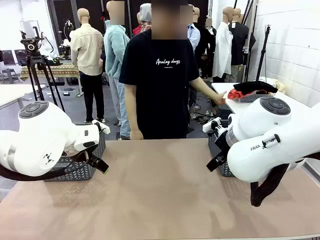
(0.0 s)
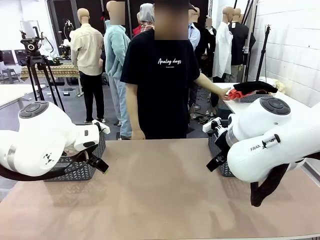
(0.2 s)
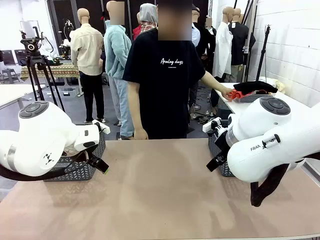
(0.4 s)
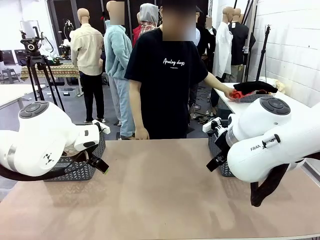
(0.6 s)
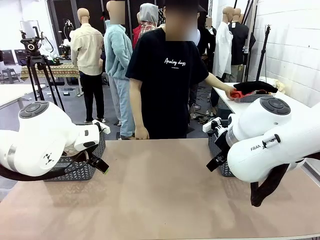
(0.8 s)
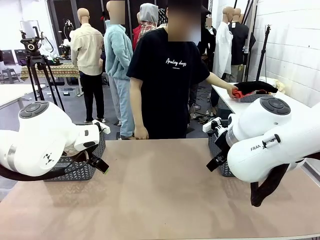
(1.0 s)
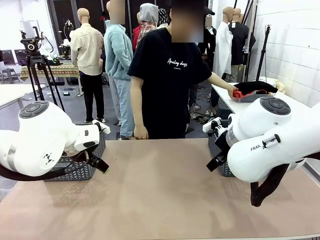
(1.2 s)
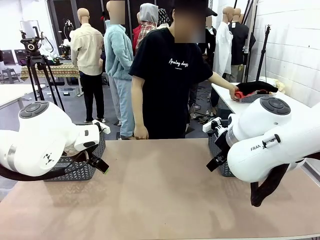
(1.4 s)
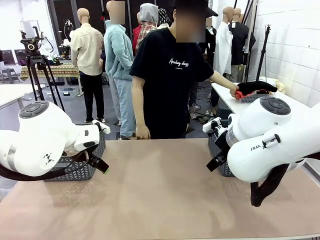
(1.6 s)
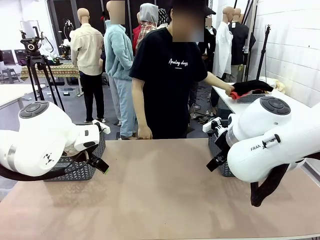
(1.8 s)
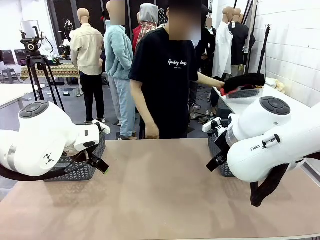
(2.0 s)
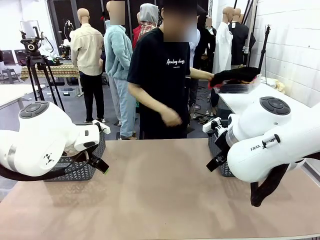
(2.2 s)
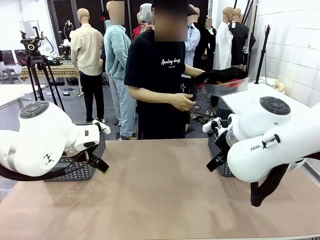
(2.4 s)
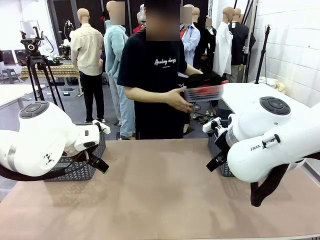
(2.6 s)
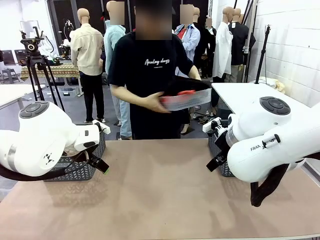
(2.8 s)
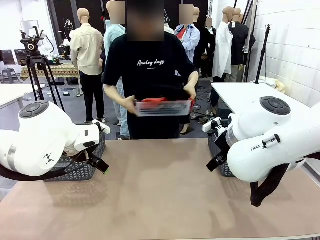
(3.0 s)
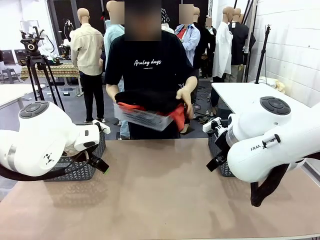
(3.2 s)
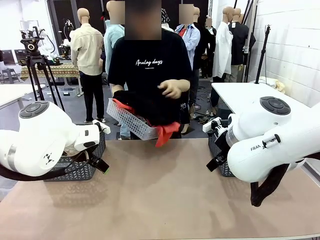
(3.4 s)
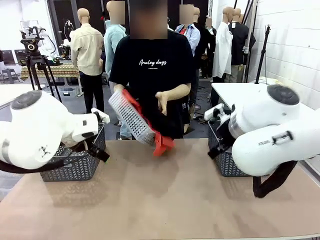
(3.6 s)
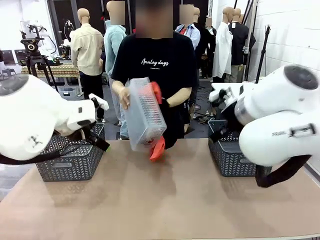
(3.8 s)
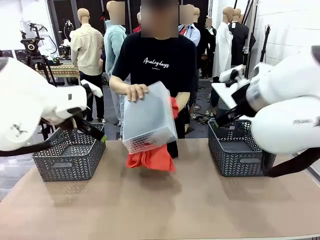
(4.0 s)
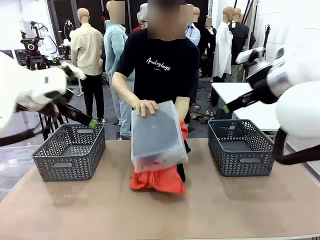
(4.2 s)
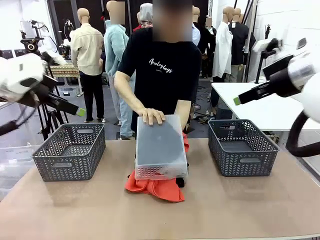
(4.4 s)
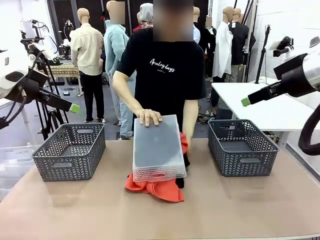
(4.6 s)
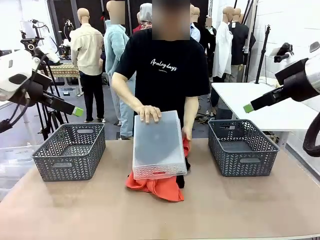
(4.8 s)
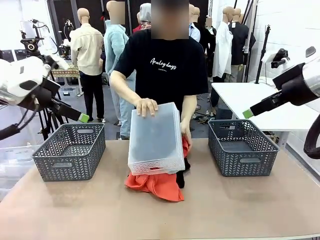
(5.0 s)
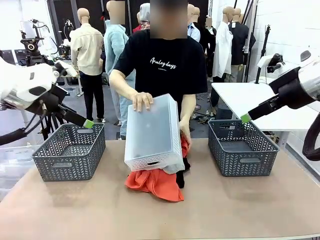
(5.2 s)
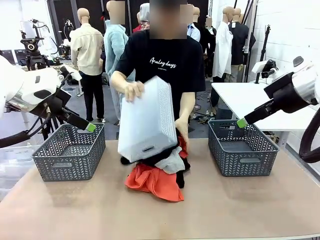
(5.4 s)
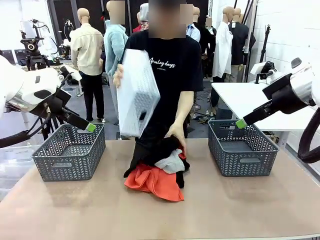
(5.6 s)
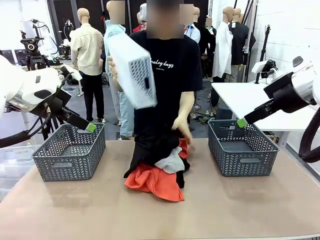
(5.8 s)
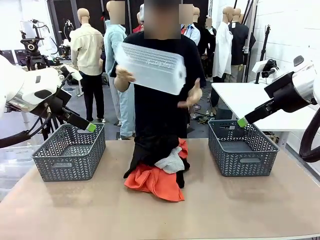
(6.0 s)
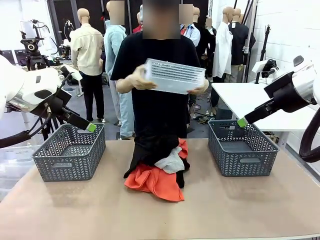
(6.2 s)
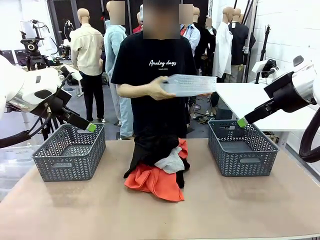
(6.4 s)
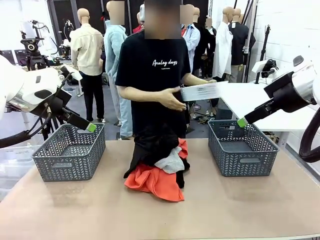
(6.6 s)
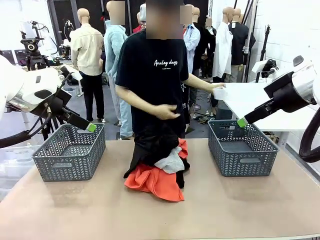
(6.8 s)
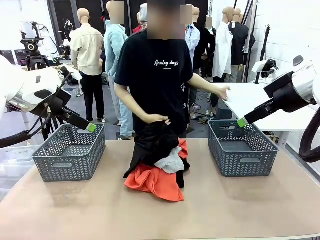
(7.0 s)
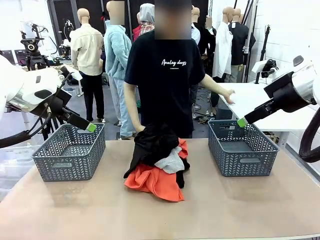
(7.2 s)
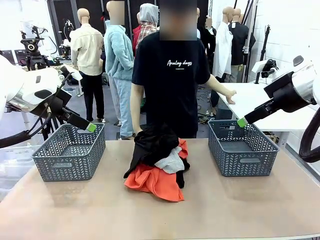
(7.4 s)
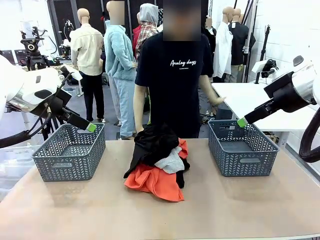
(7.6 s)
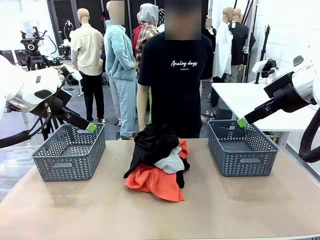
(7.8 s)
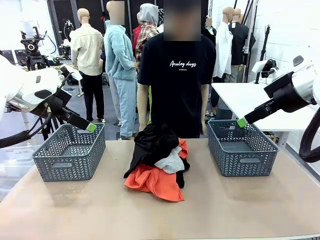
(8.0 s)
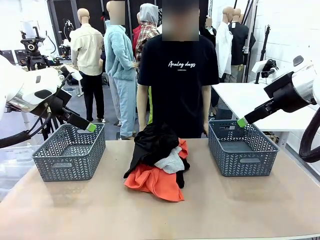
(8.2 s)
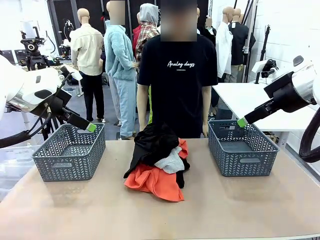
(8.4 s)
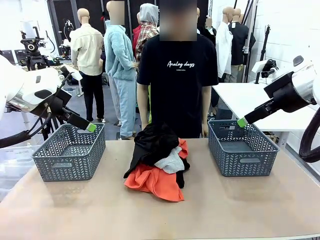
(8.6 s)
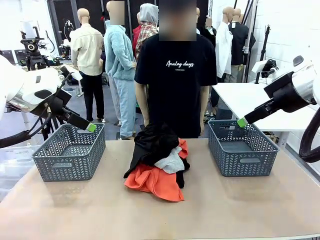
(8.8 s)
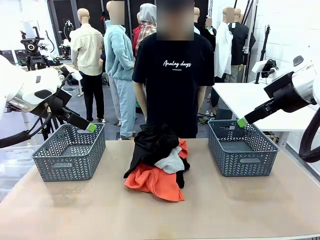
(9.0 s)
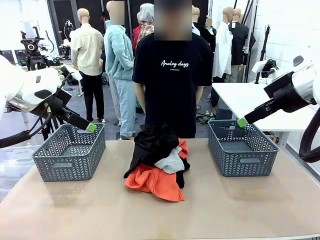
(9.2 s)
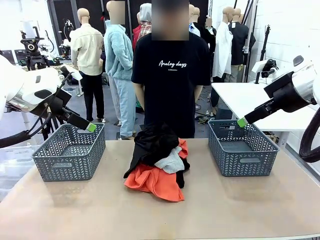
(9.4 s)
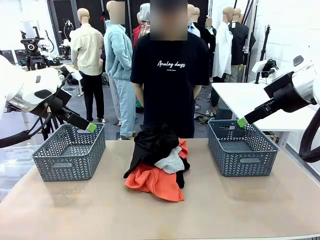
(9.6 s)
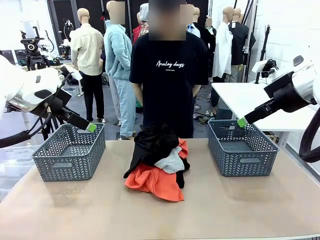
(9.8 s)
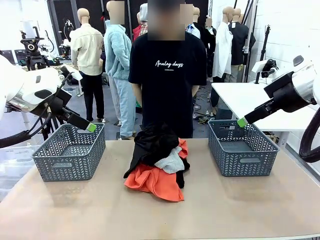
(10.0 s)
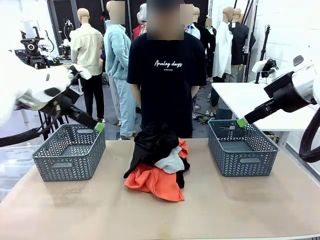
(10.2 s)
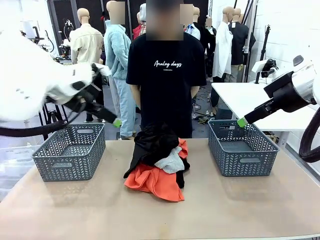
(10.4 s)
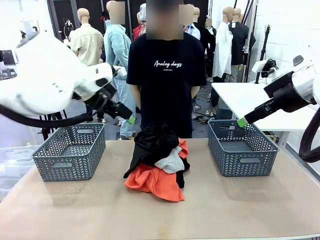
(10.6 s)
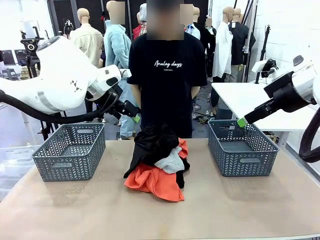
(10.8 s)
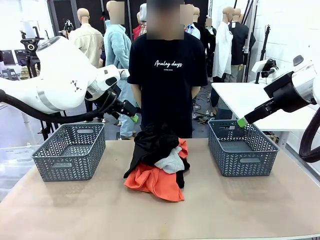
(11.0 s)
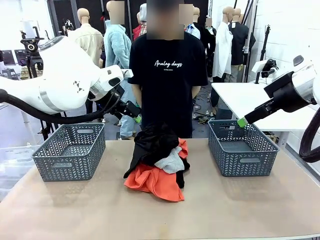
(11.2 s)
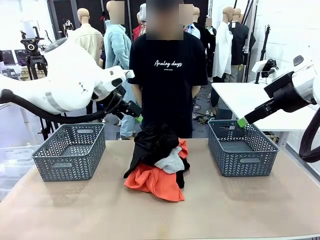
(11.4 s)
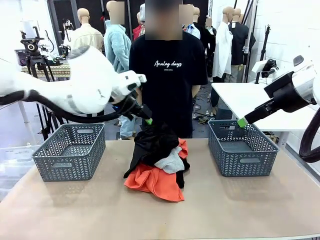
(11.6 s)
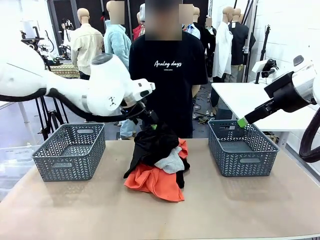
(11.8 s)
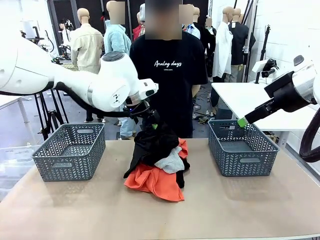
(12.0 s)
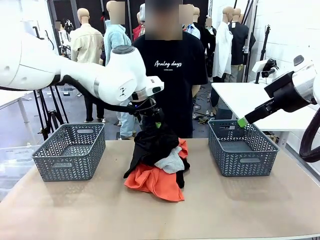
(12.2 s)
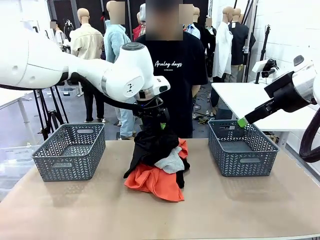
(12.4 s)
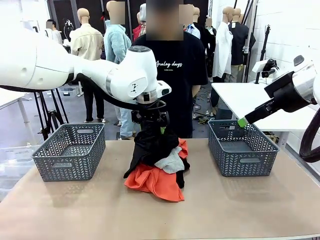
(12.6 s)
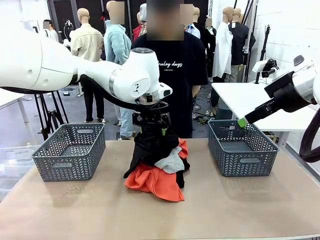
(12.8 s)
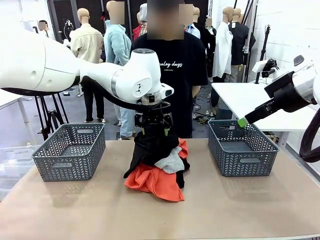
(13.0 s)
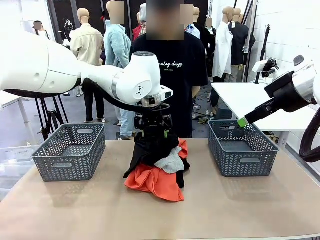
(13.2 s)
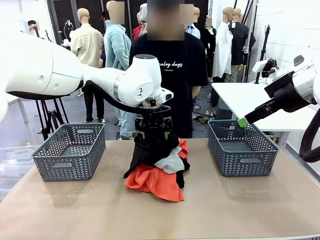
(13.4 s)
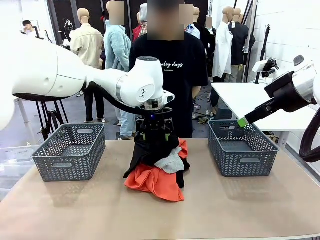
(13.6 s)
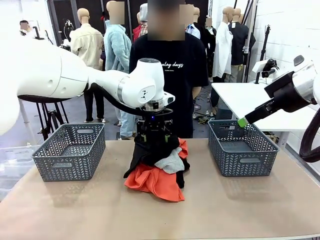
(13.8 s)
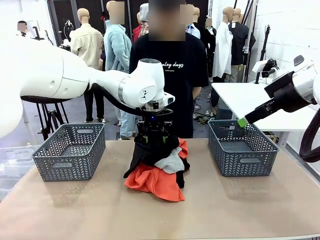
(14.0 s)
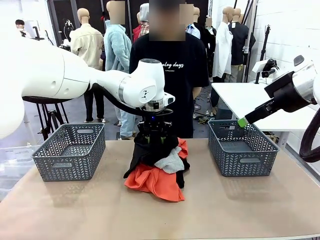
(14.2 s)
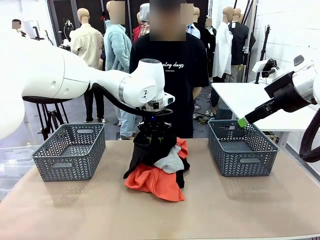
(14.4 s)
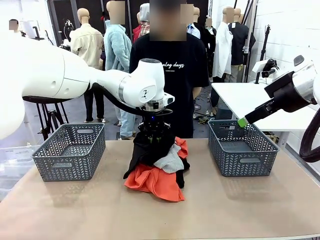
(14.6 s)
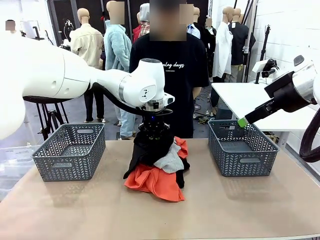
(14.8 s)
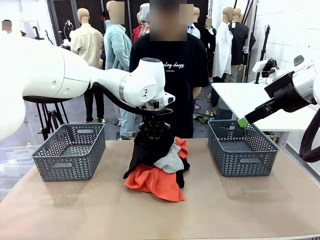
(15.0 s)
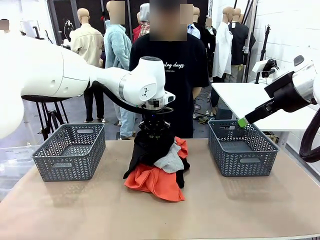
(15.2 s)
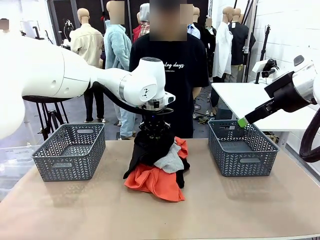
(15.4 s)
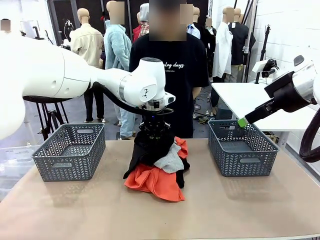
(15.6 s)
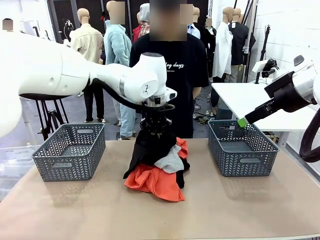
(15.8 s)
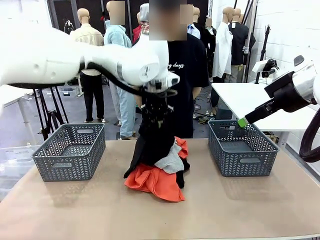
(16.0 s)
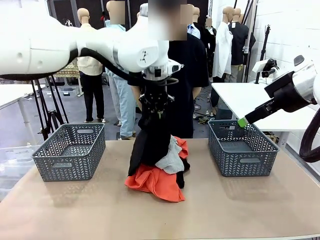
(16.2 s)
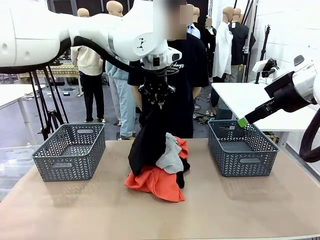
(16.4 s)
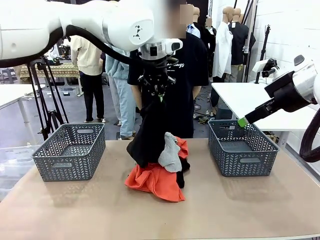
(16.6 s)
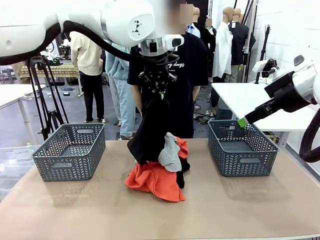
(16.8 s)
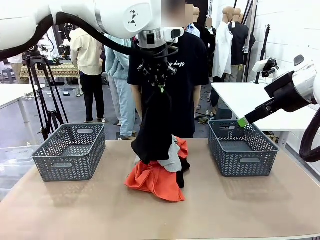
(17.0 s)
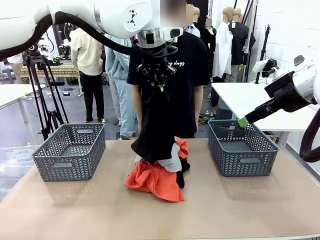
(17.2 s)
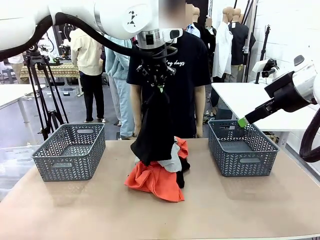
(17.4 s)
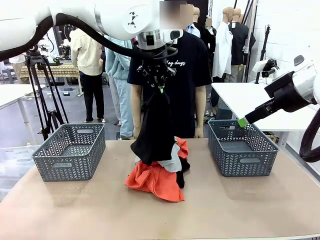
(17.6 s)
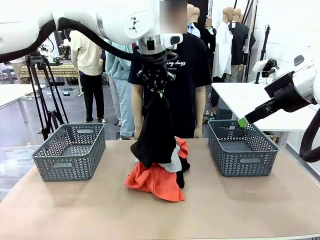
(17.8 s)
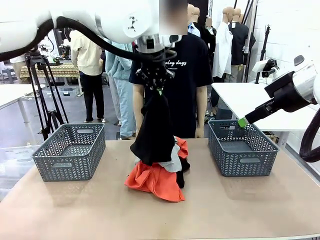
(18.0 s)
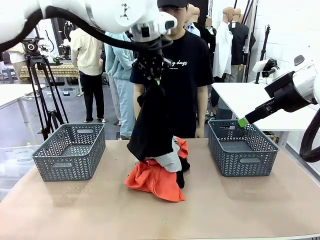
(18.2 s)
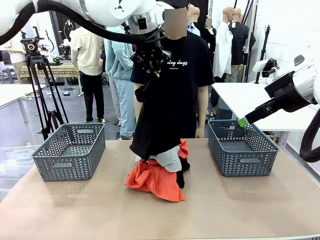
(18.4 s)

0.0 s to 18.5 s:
Task: Sort the tops and bottoms.
Robot: Lift clothes from the center of the table with your left hand.
Person: Pour the clothes from the basket onto the center of the robot table.
